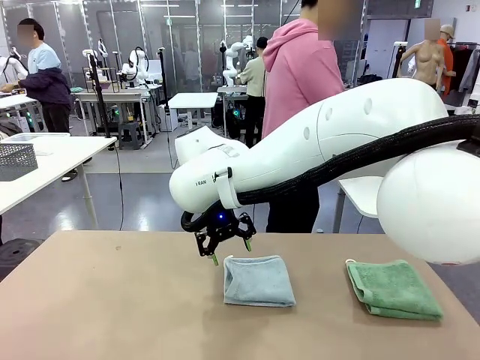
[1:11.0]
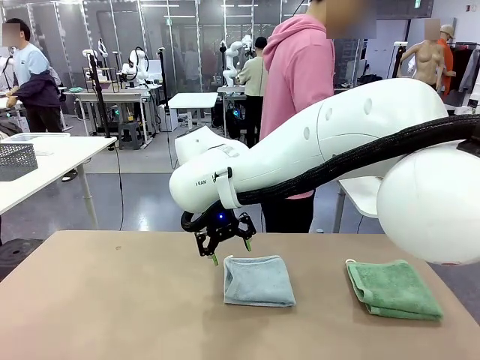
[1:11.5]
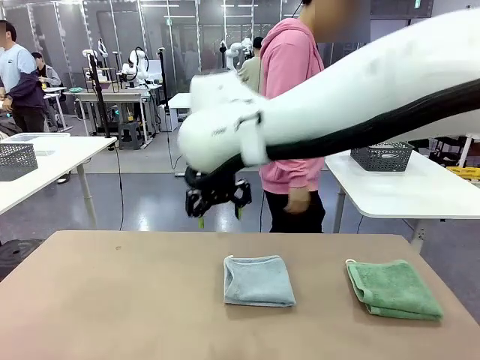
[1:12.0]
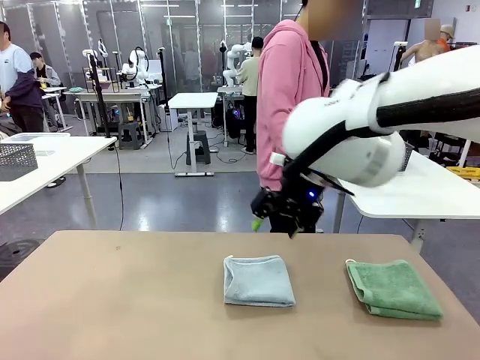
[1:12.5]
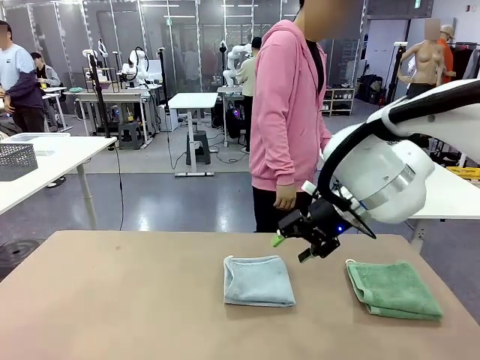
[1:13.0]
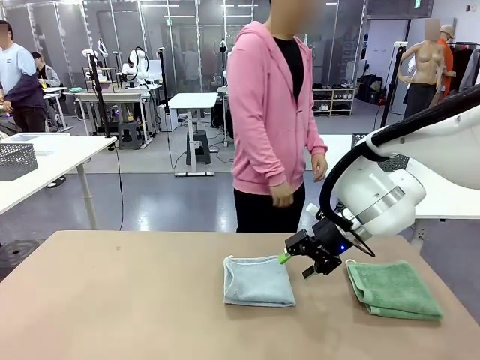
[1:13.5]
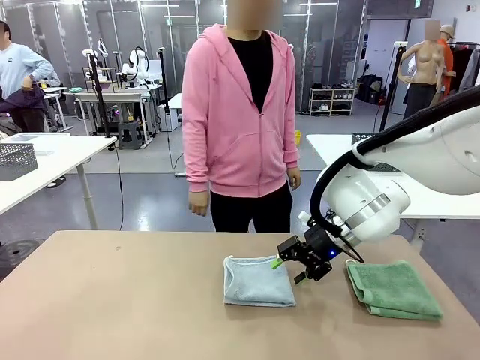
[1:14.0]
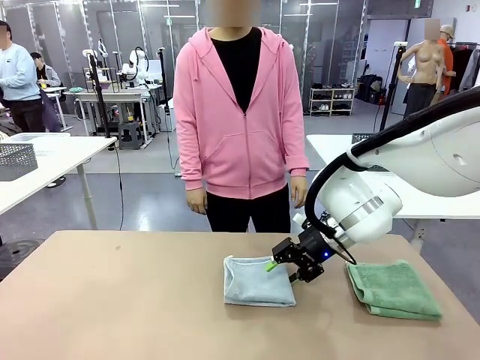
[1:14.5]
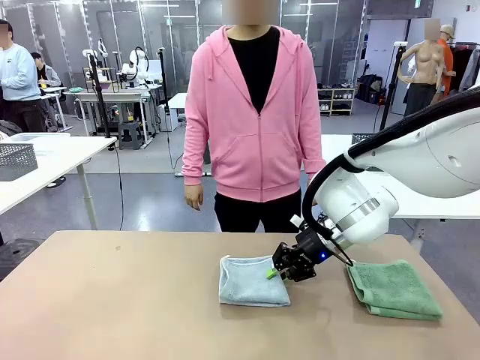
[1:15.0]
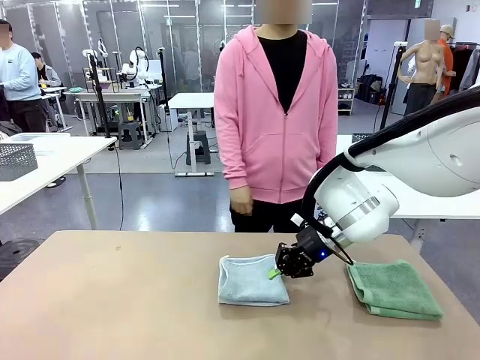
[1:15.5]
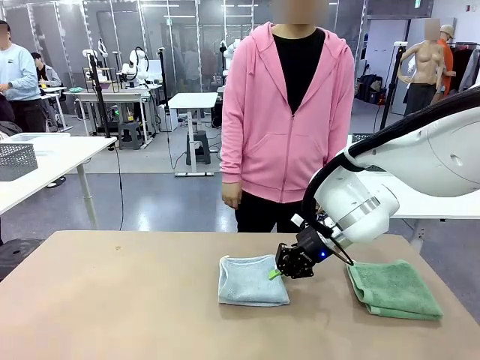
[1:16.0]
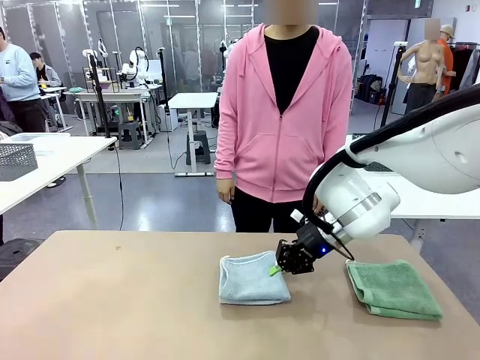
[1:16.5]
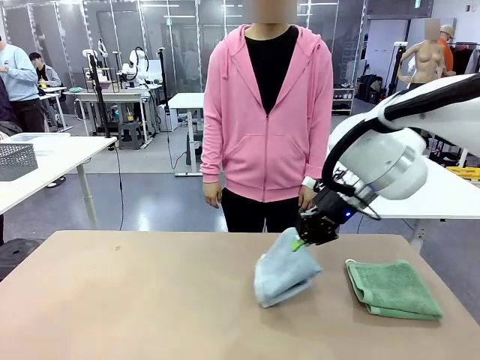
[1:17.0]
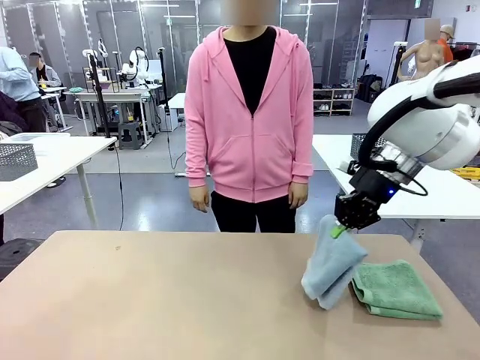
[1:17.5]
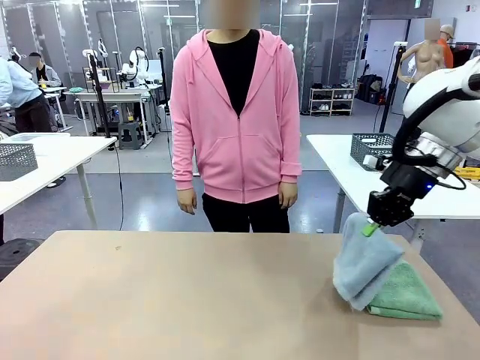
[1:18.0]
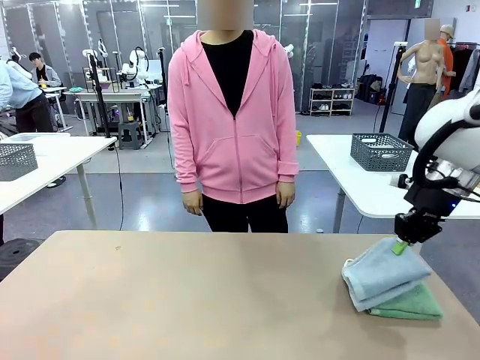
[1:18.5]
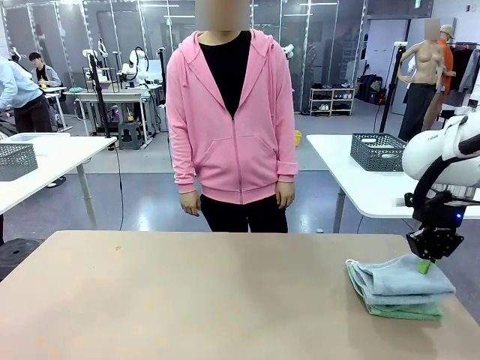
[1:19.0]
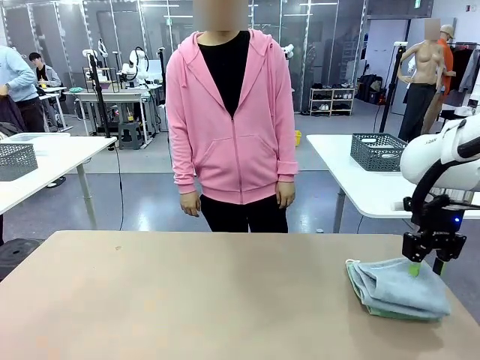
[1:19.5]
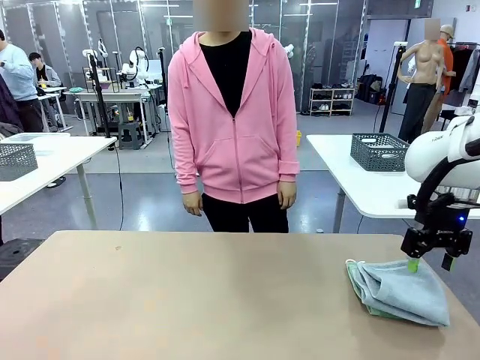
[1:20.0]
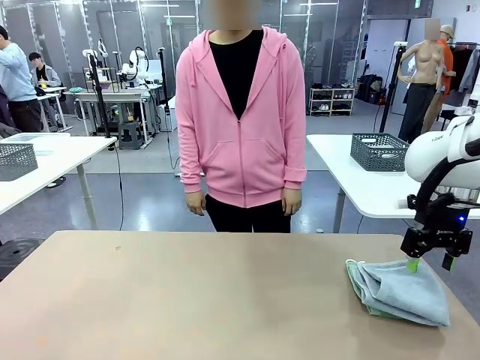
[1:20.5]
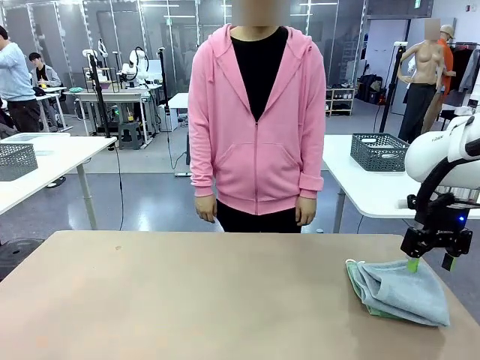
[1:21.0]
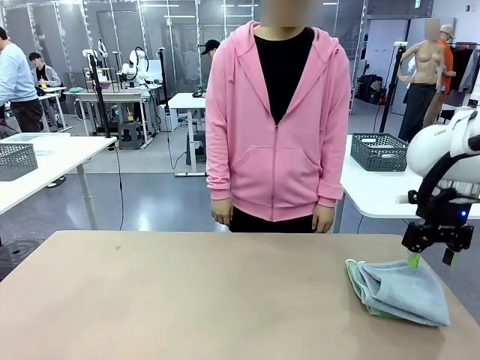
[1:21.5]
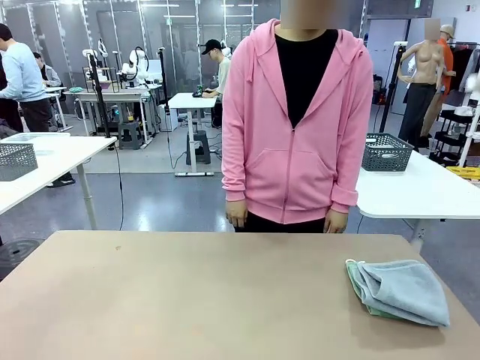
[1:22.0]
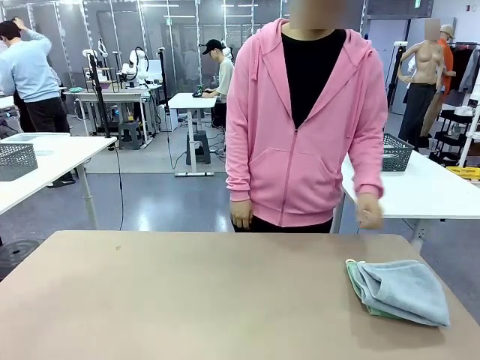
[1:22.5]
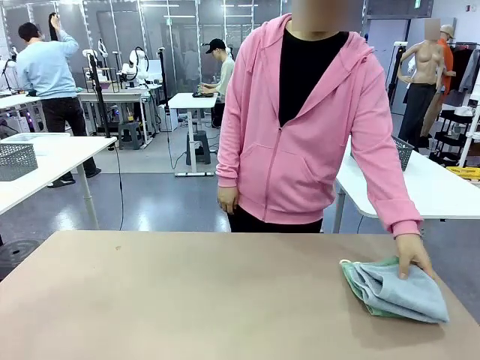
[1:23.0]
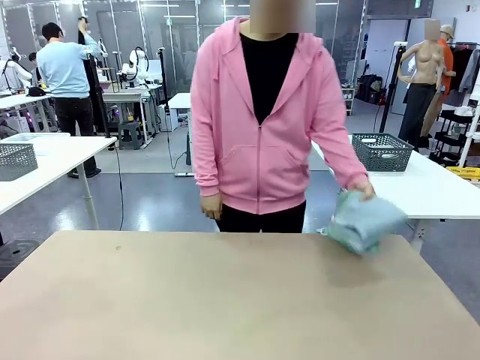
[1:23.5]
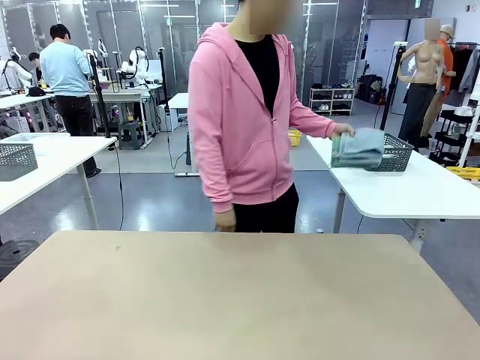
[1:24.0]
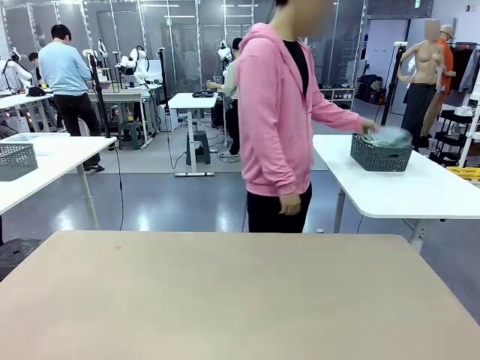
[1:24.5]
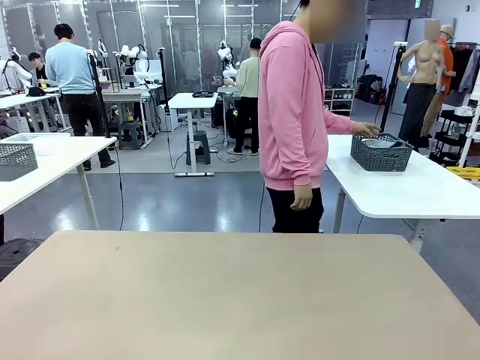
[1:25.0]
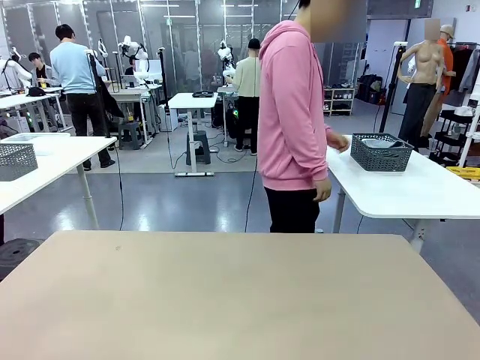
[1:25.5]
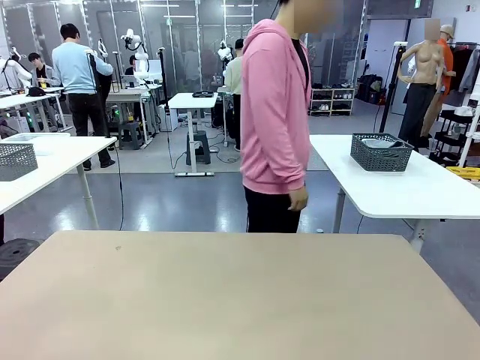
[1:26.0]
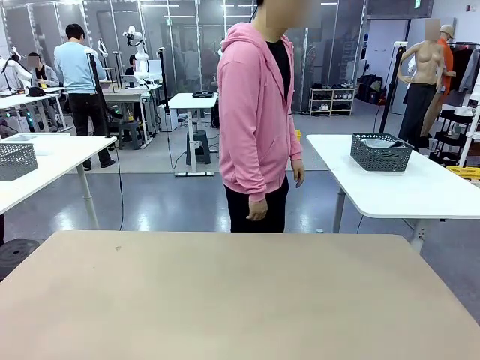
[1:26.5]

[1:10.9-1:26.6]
Task: Fold the towels and place them in the basket.
Robot: Stack the folded Towel with hook on the right side of the table.
Person: Pick up the stack of towels from the robot table and place it into the basket.

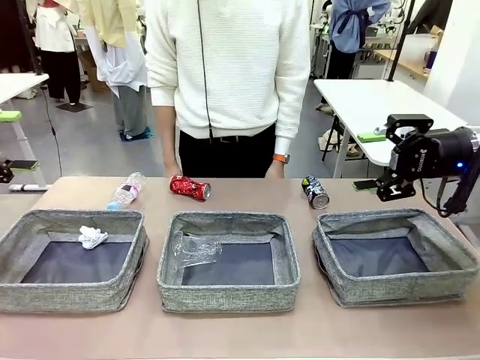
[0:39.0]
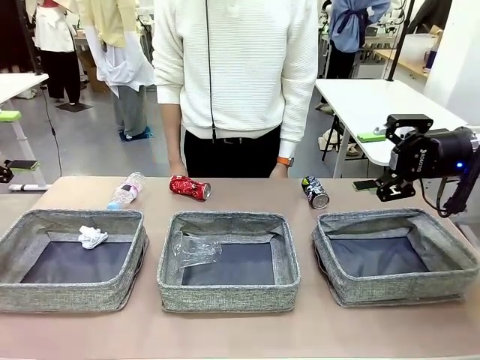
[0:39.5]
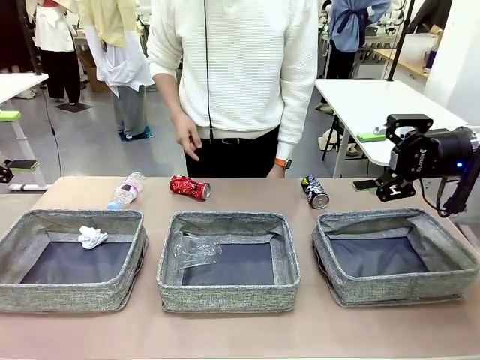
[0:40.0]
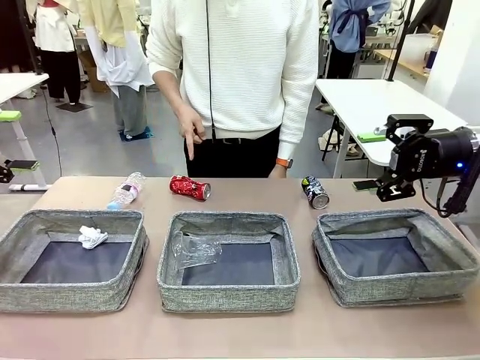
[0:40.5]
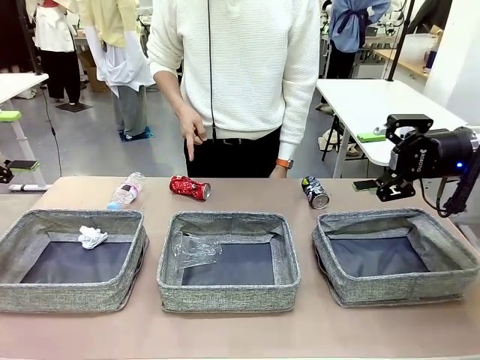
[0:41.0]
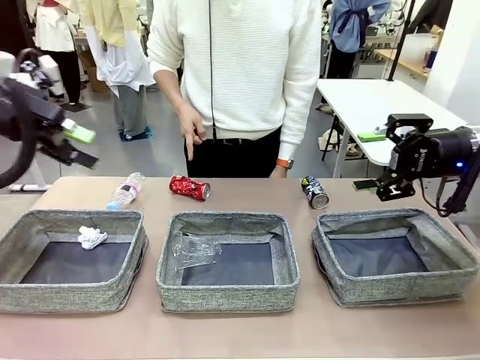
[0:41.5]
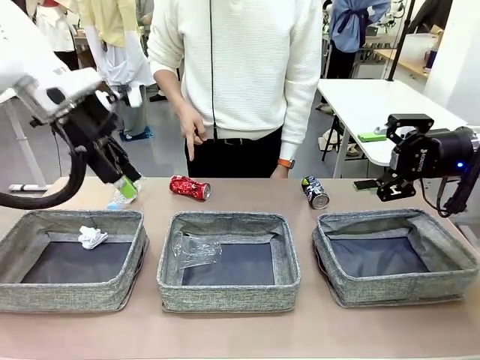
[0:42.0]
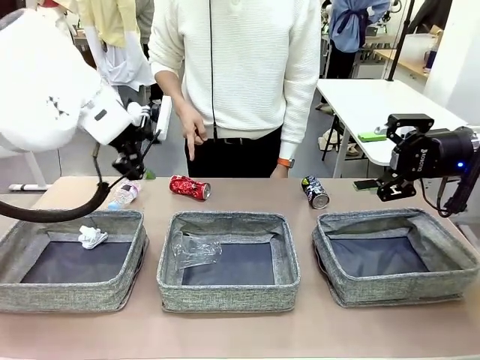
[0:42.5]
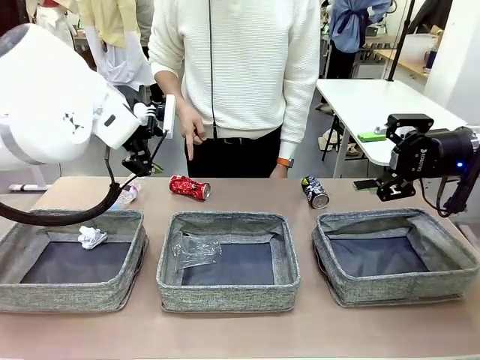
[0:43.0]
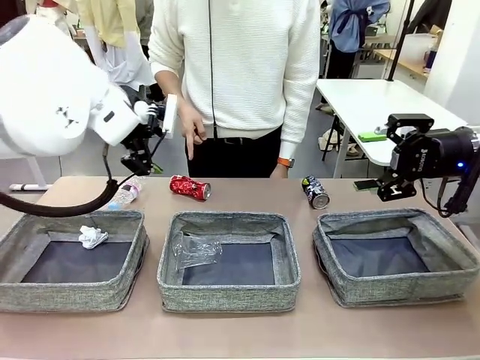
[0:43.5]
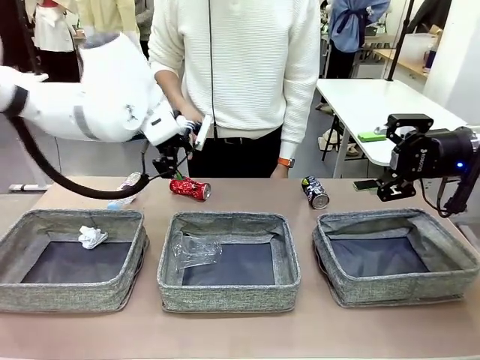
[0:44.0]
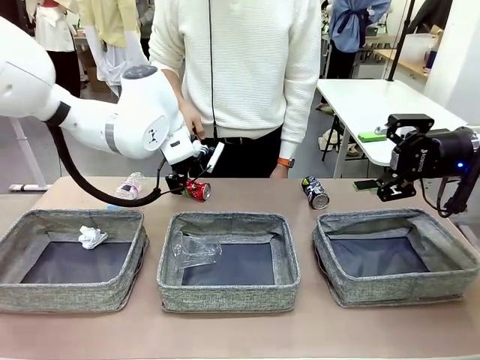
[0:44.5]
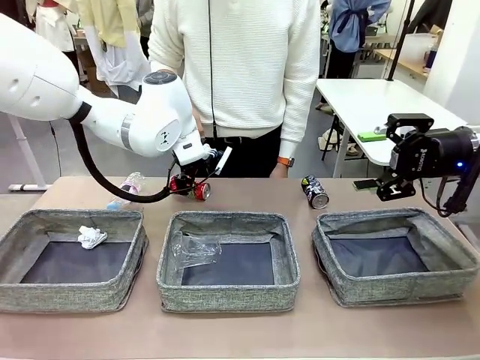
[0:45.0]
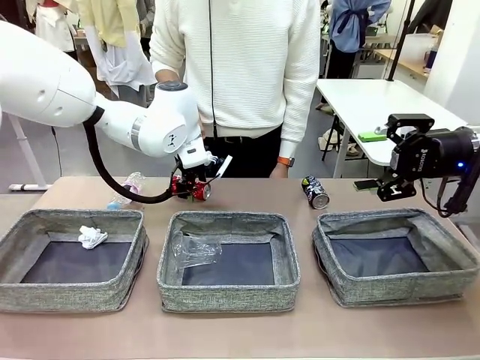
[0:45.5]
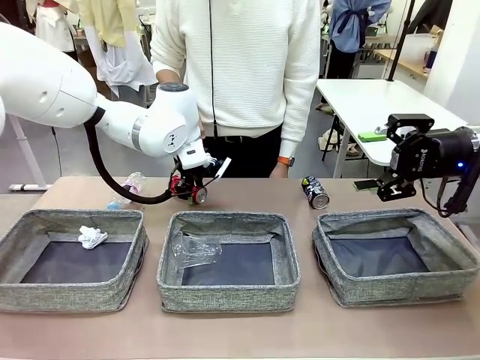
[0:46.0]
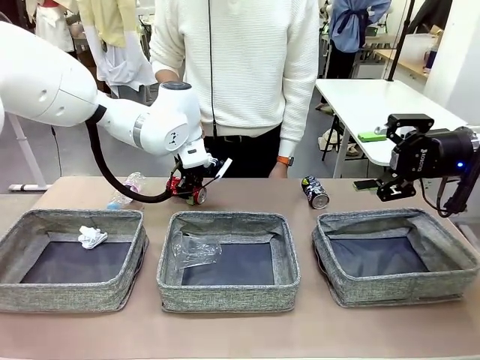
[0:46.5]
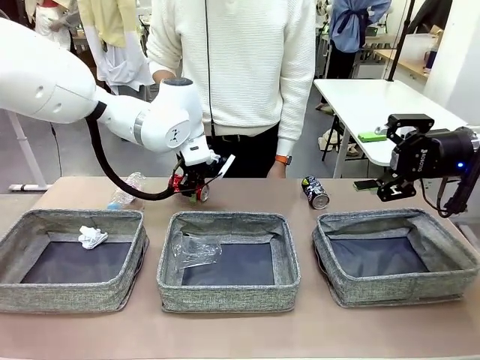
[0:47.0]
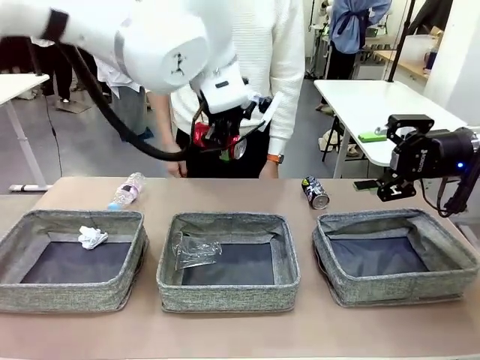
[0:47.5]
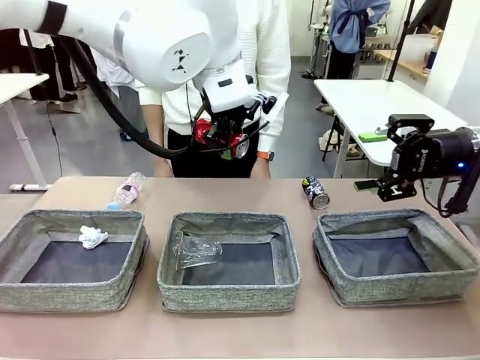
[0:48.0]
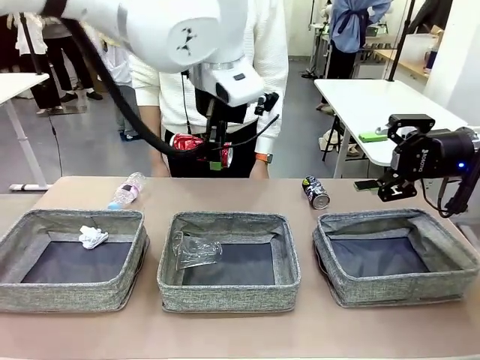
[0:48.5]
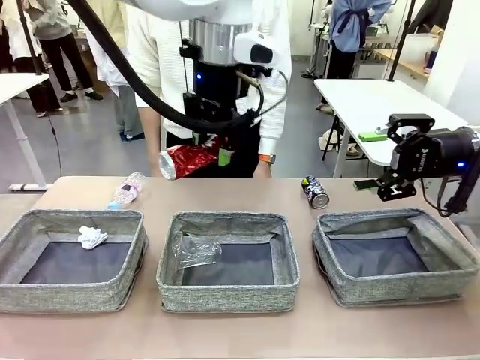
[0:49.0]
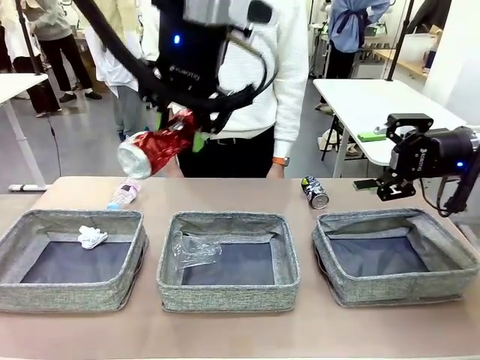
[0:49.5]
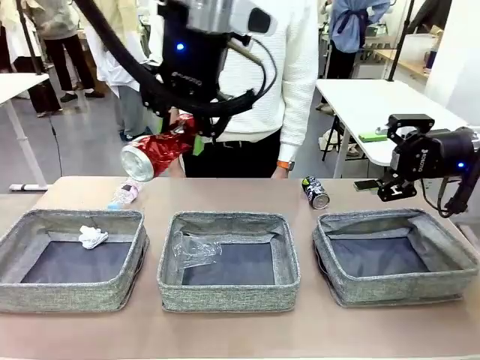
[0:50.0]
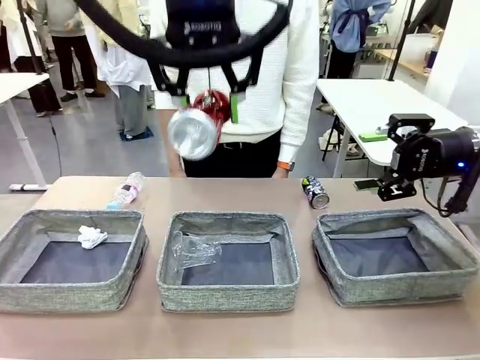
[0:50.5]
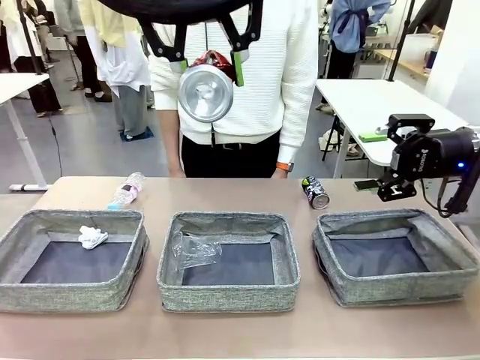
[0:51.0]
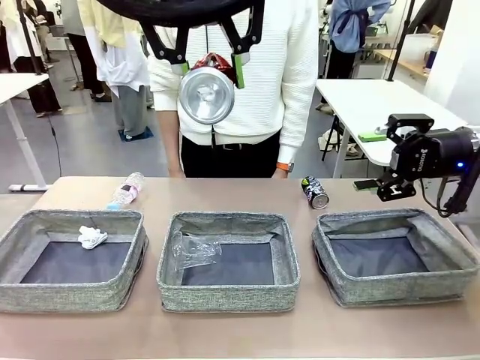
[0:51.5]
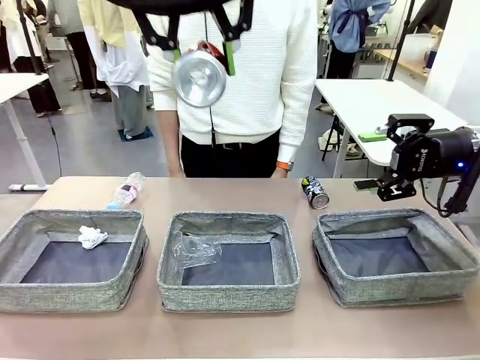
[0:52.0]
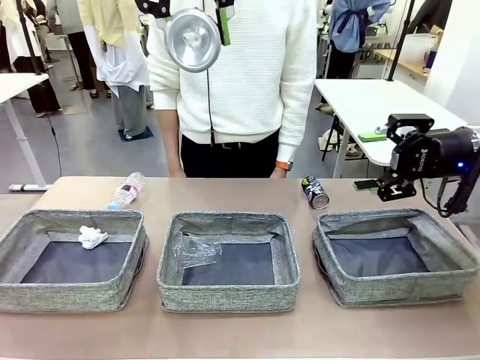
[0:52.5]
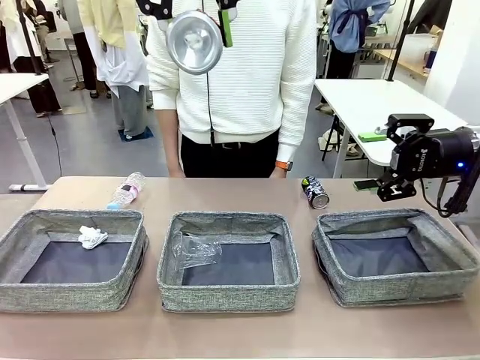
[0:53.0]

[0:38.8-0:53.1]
Task: Sort the waste into the appropriate baskets.
Robot: Pick up the waste item pointed out by the person.
Person: Points to one piece of trash on the table.
